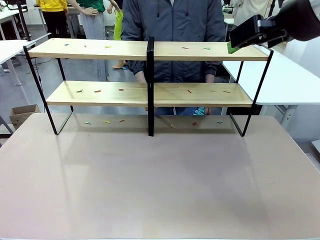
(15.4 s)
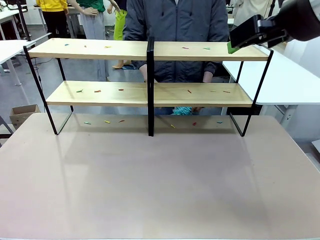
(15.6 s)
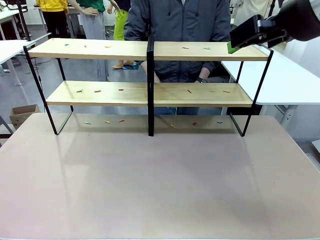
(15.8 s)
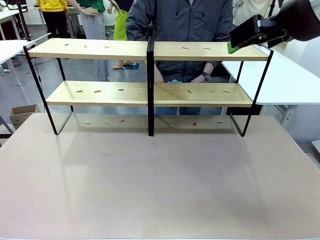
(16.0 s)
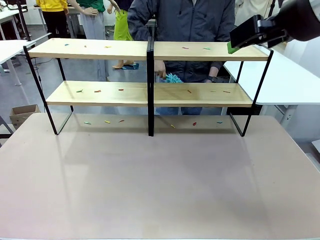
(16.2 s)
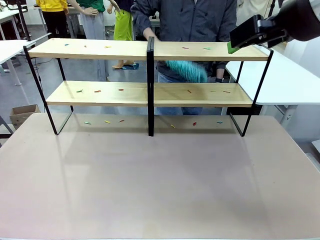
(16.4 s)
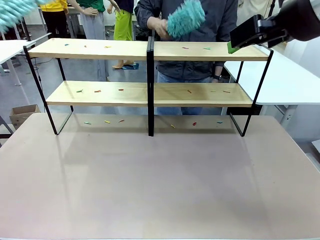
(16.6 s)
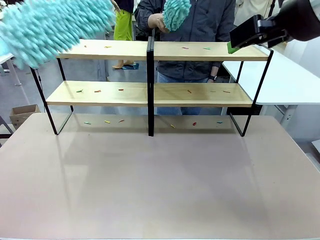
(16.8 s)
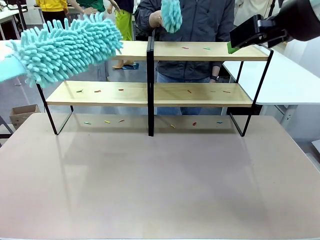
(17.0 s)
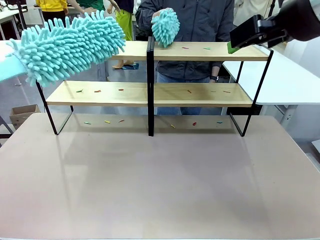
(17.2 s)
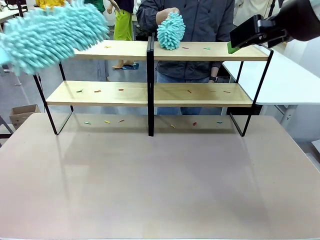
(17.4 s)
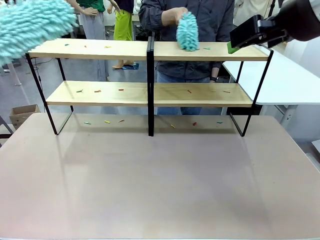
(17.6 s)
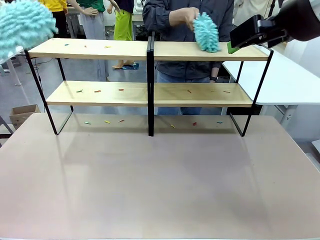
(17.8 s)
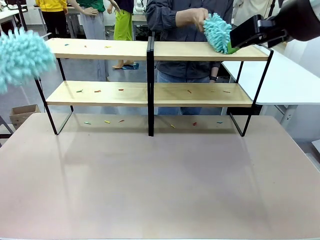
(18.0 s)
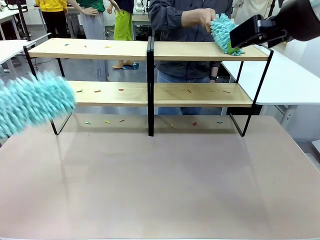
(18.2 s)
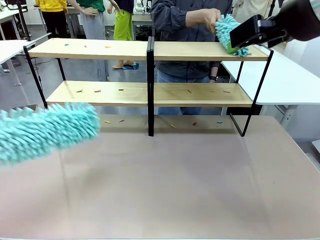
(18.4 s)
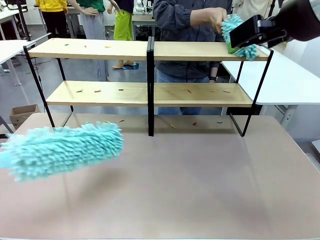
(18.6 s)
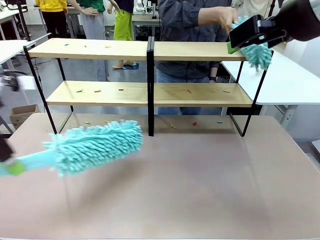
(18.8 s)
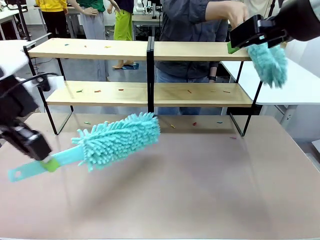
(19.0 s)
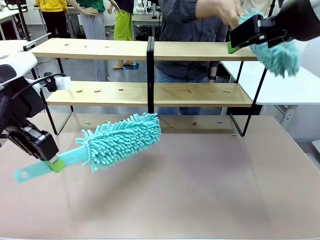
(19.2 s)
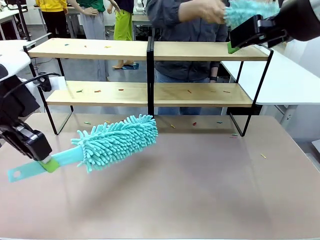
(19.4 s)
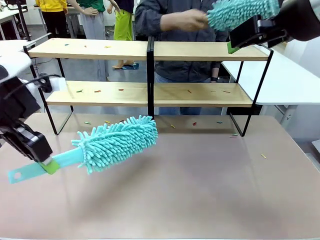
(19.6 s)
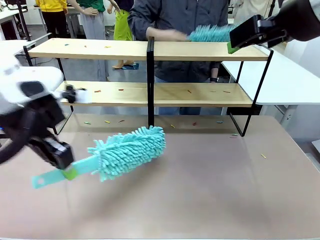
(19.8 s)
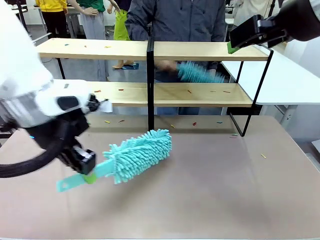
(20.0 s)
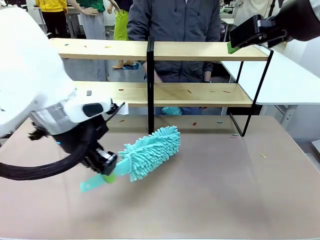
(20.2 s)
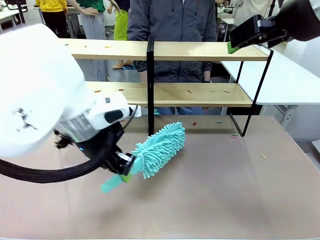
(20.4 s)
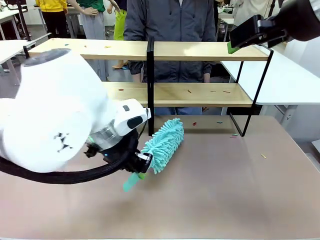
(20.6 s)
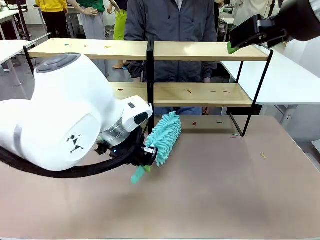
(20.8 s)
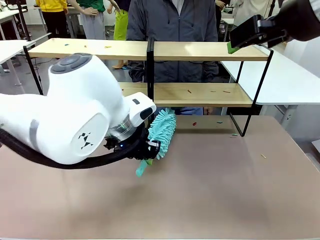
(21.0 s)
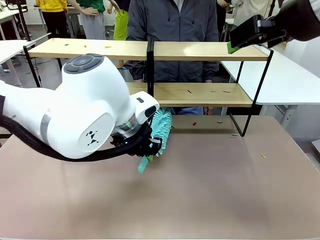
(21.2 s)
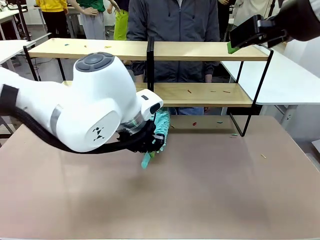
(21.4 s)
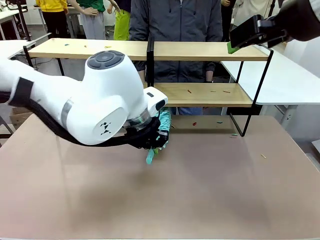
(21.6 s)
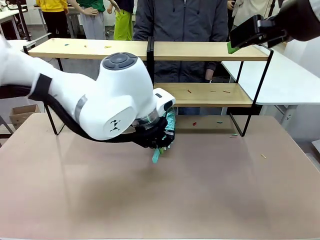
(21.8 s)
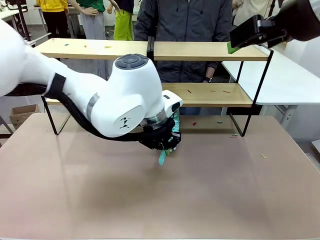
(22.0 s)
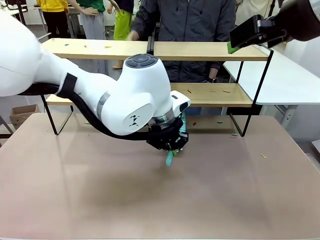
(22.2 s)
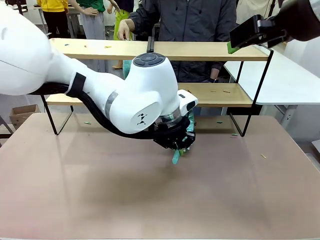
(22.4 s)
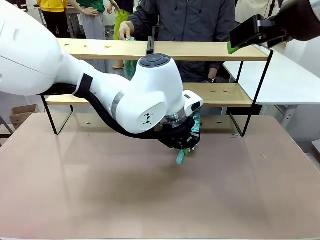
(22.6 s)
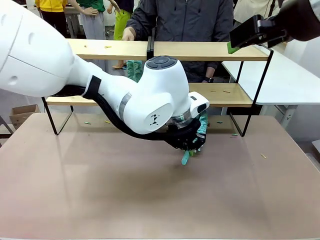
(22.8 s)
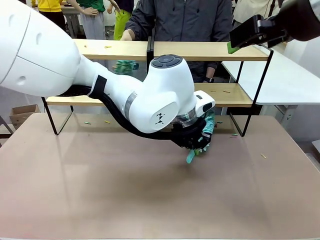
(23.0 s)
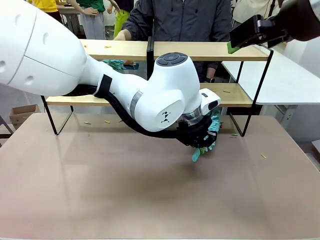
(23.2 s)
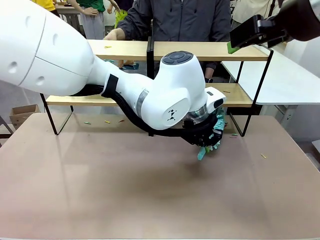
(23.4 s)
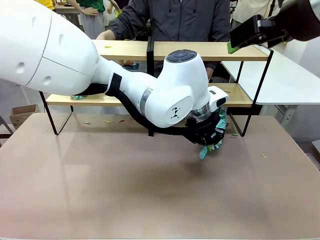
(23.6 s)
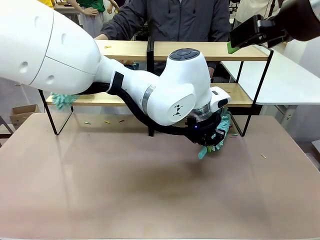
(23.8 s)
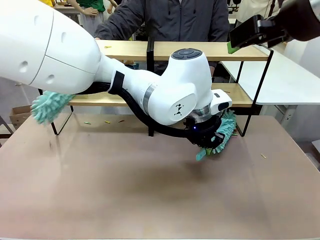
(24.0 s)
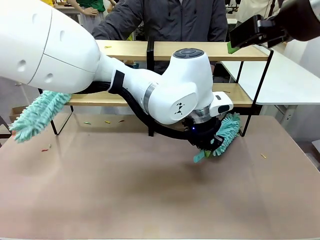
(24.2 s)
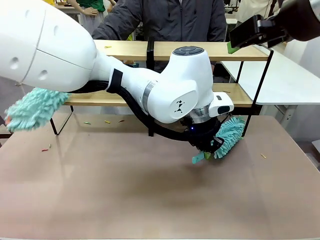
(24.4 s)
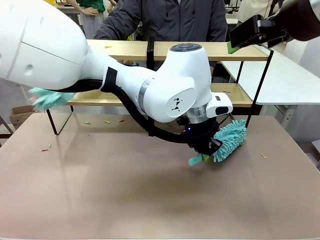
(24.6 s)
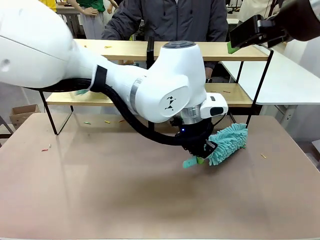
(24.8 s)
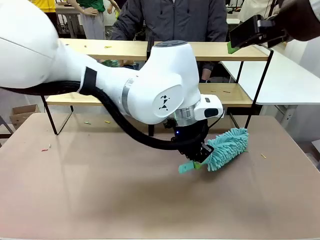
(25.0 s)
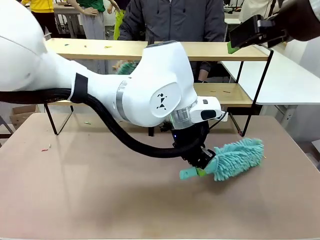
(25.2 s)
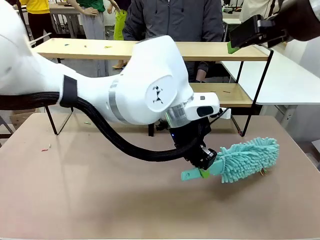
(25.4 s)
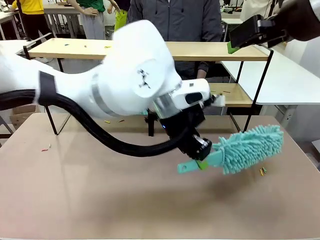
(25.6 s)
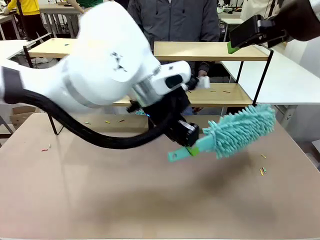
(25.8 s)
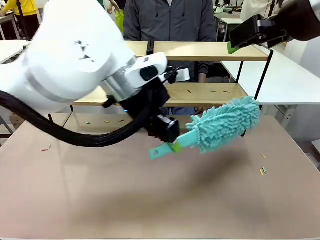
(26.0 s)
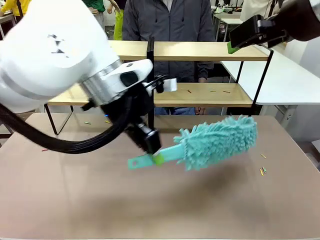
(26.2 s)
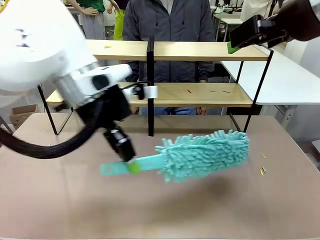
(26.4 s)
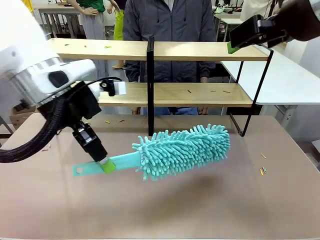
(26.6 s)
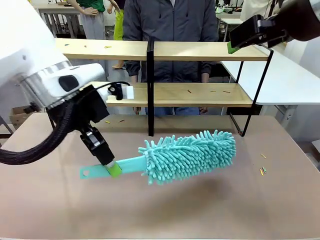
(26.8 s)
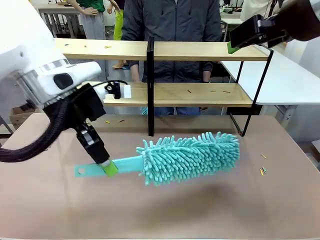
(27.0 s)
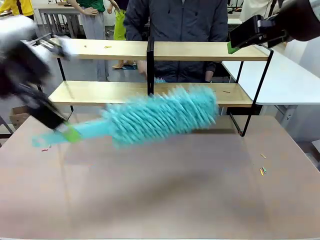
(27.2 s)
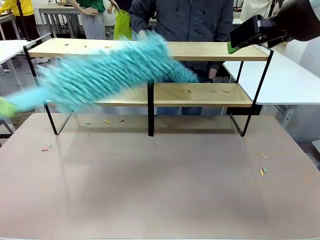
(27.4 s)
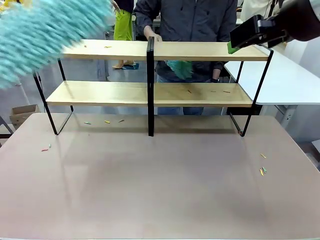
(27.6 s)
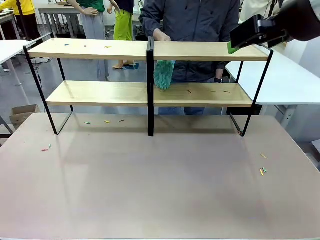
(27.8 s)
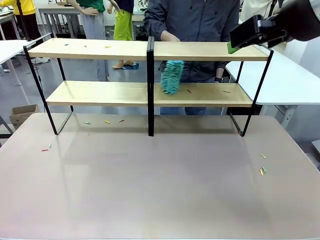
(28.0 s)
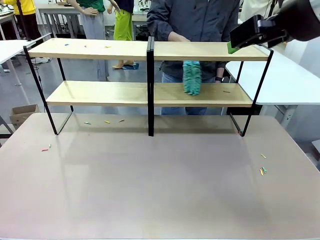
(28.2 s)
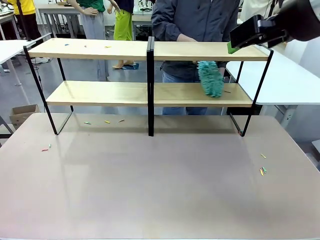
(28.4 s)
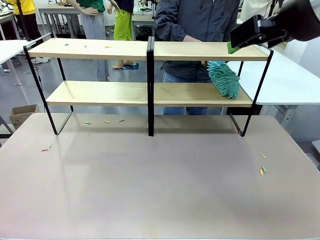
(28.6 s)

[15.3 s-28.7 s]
Task: Clean the shelves.
Robot: Clean a randomly selected level of the Shelf with the Duster.

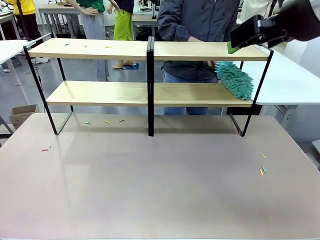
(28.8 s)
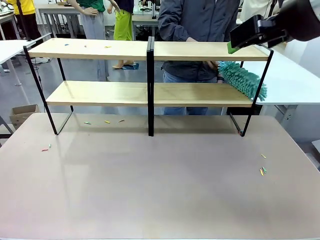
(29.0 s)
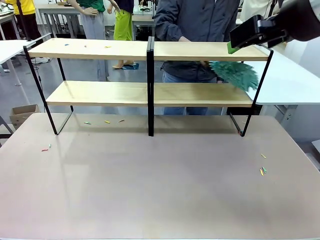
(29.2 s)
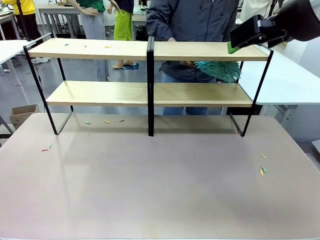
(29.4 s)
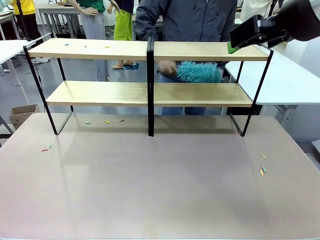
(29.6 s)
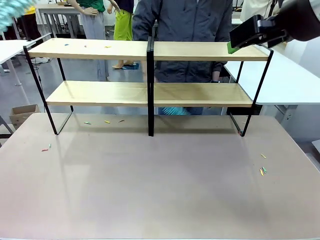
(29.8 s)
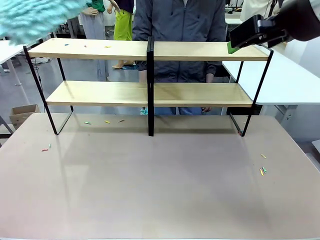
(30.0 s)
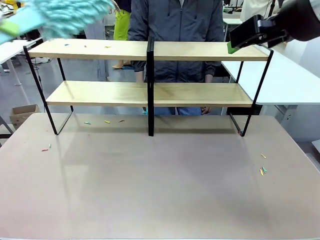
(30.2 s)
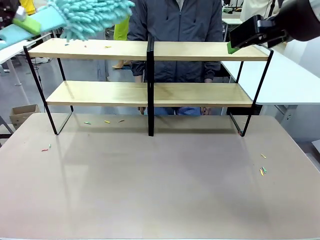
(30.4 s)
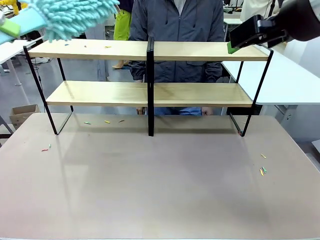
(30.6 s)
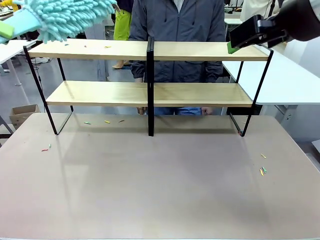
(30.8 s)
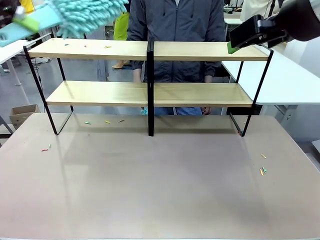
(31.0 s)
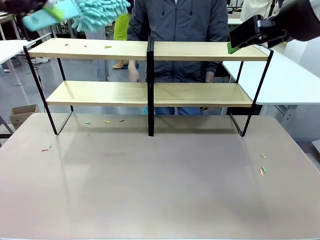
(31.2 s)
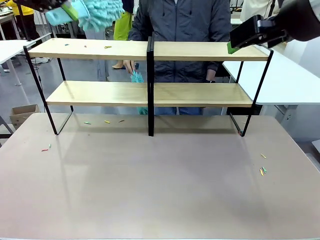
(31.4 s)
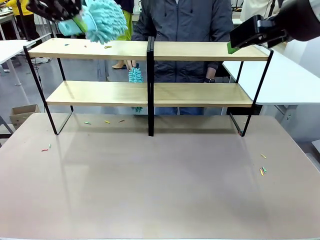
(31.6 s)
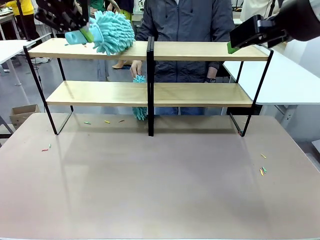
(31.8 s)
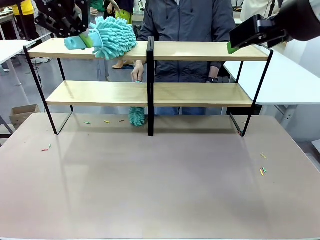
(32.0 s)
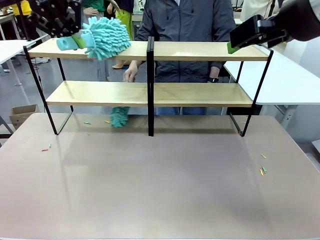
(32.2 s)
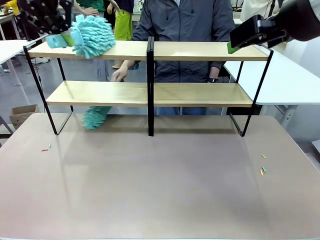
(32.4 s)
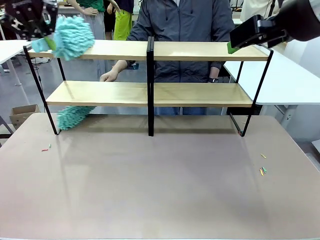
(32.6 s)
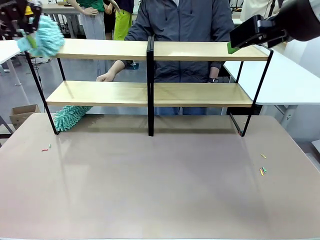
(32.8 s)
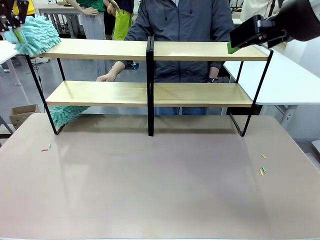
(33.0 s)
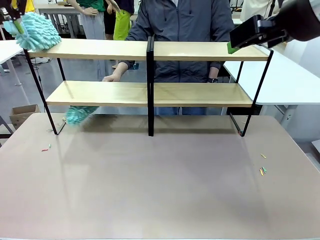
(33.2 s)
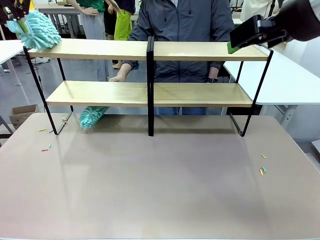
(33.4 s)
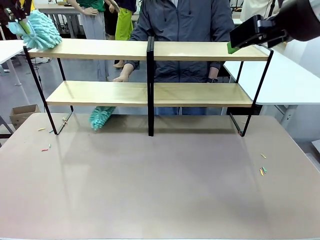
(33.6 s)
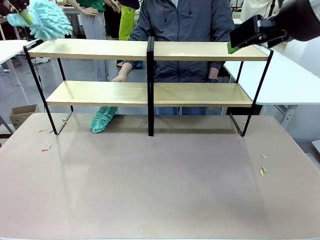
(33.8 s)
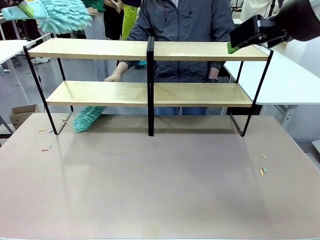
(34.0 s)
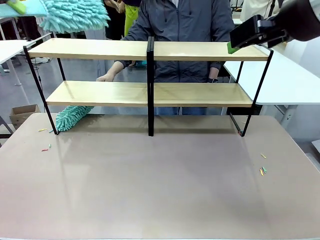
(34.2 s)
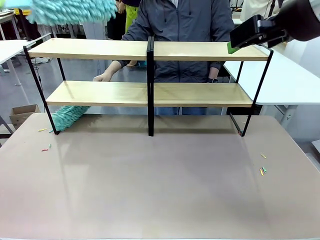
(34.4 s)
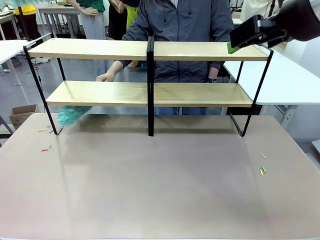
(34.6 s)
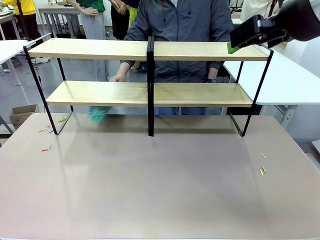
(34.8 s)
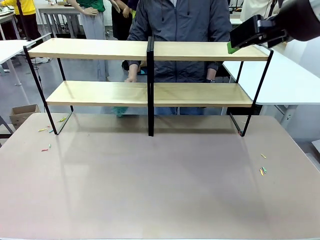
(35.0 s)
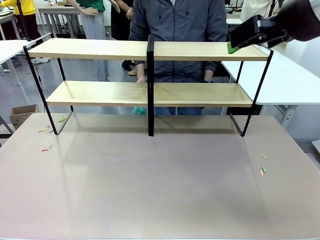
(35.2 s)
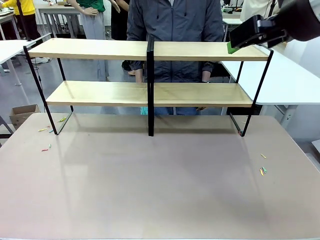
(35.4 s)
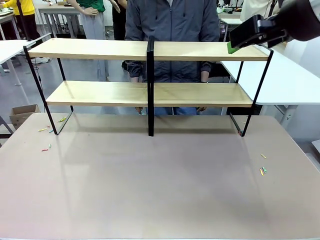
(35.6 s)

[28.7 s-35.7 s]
Robot: Clean another randomly selected level of the Shelf with the Duster.
